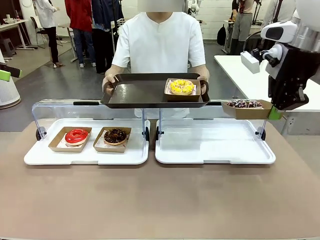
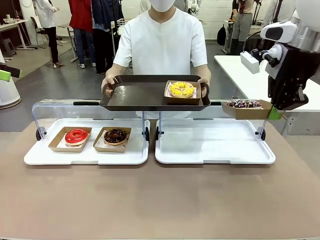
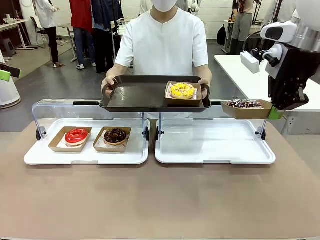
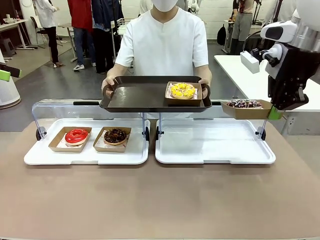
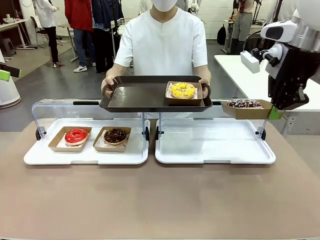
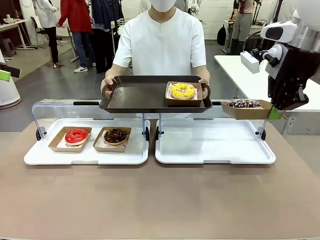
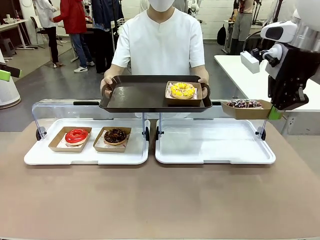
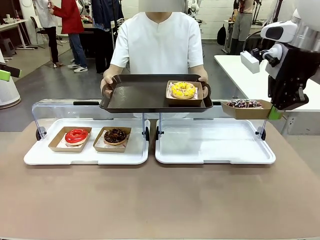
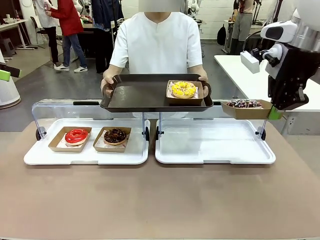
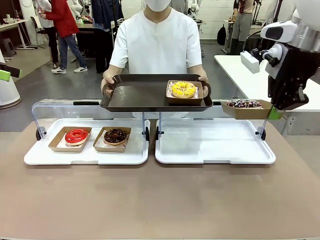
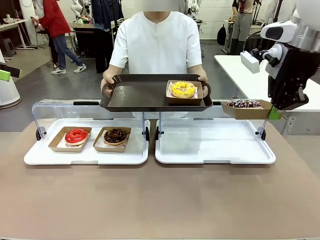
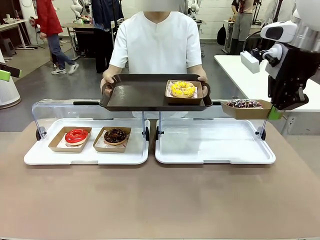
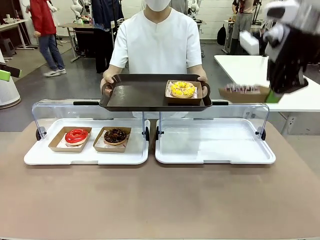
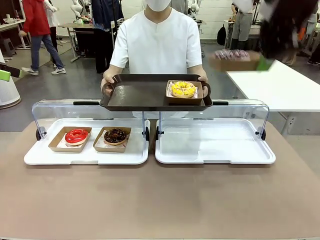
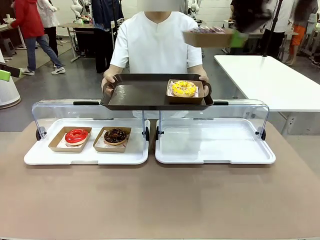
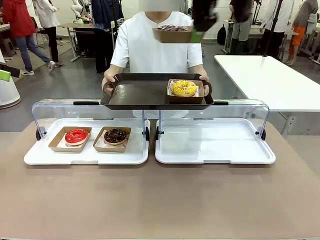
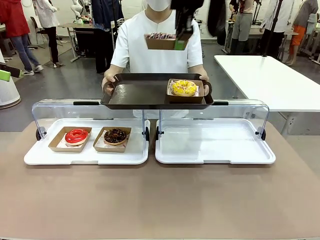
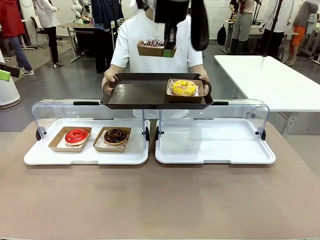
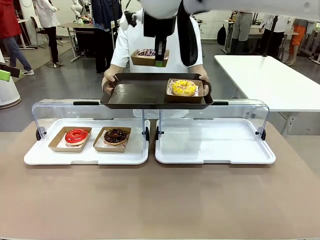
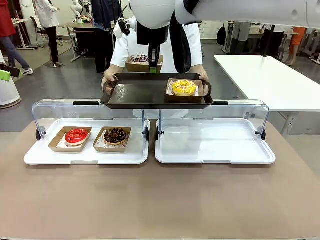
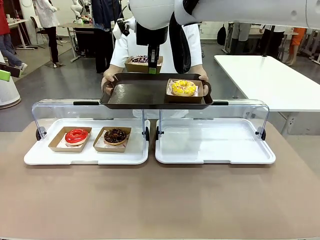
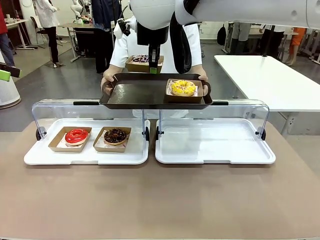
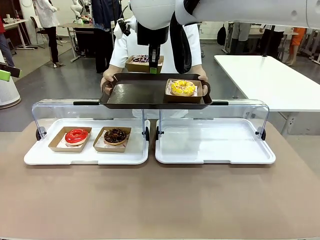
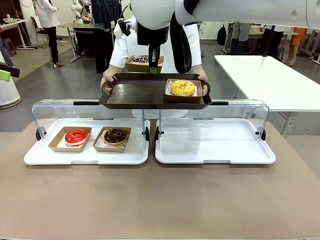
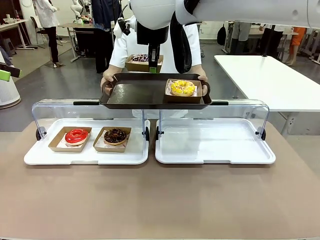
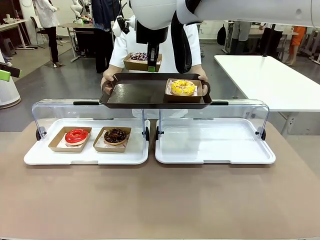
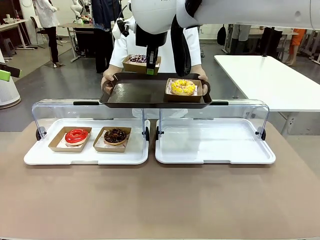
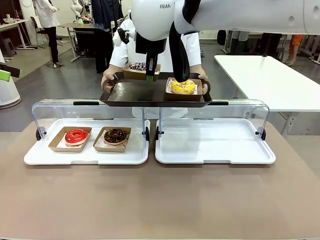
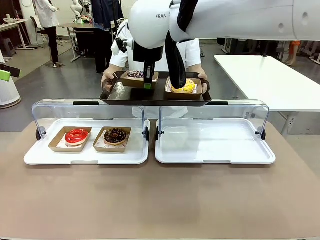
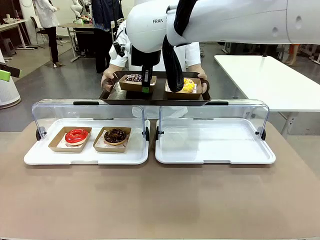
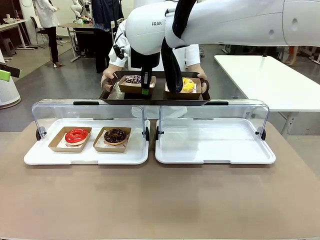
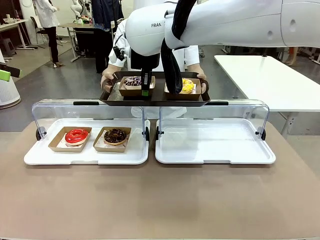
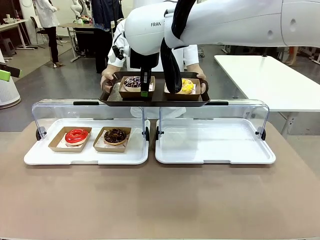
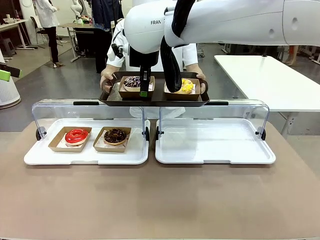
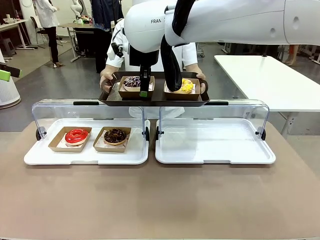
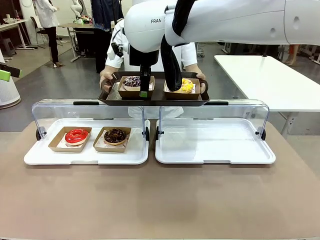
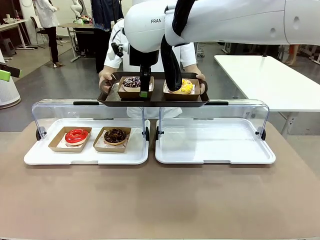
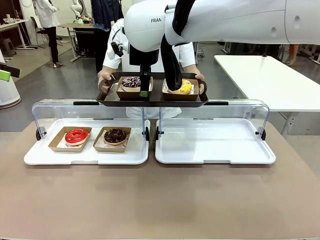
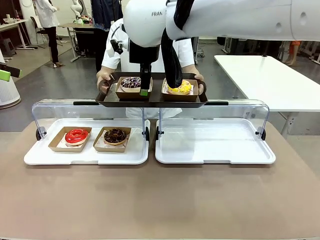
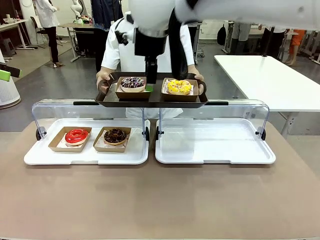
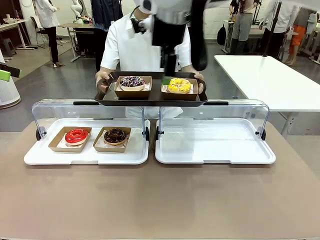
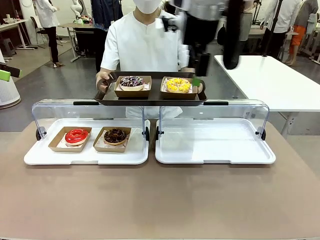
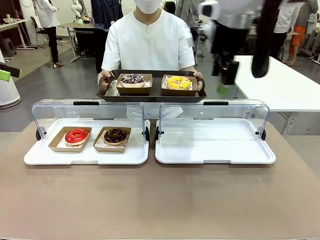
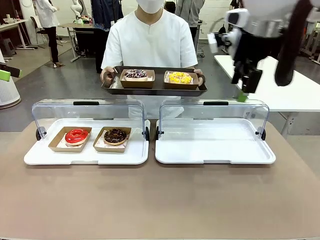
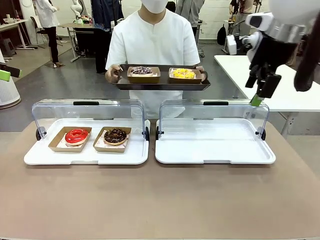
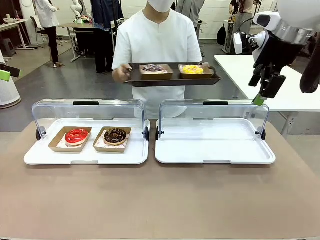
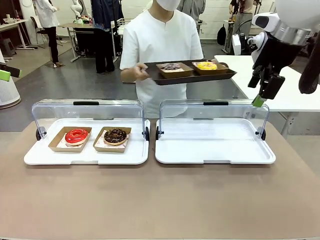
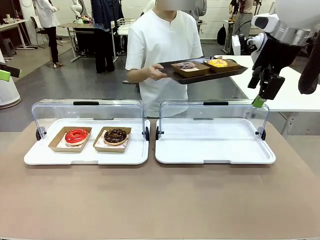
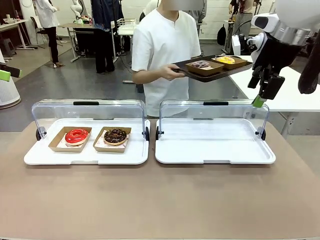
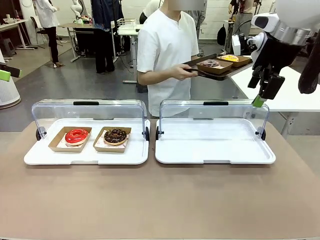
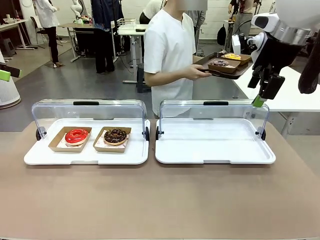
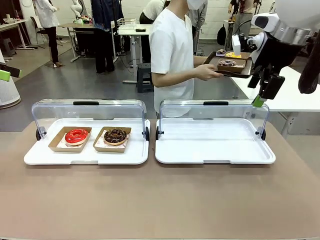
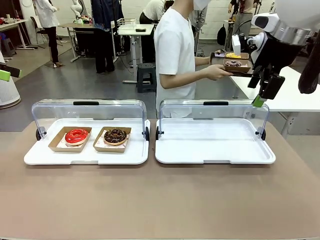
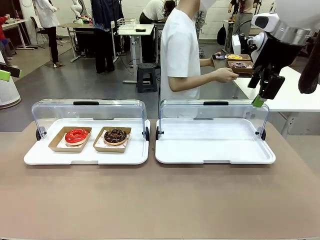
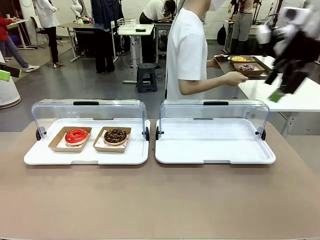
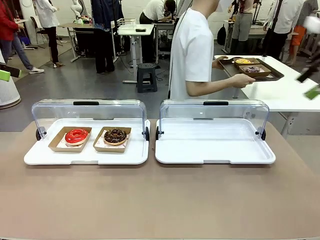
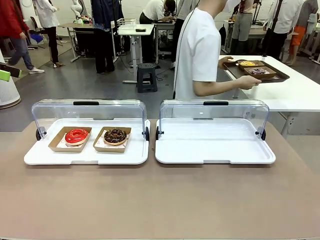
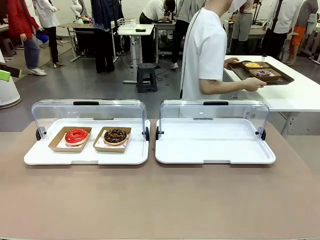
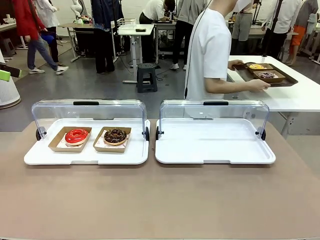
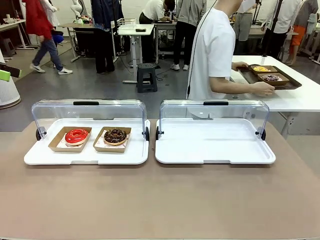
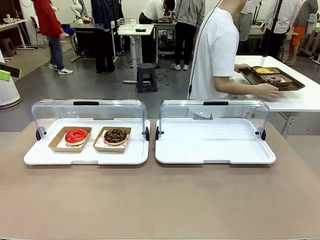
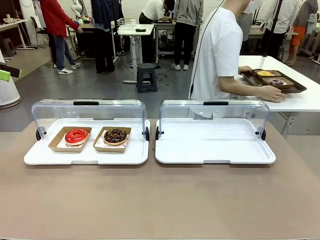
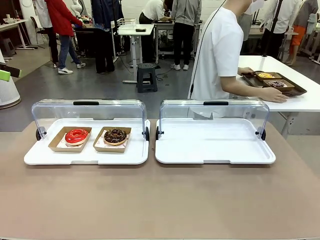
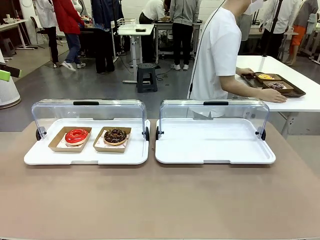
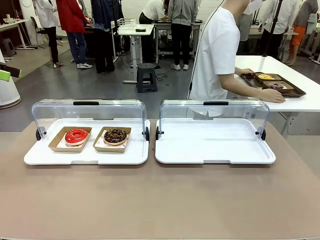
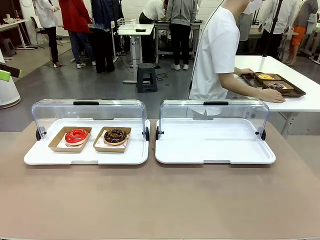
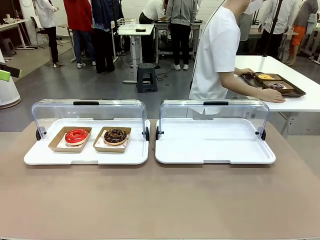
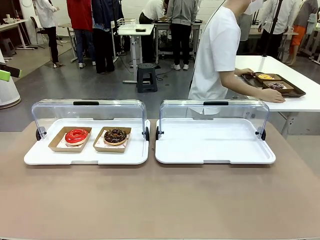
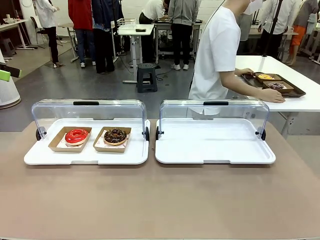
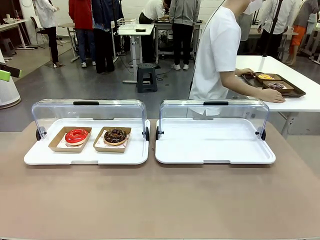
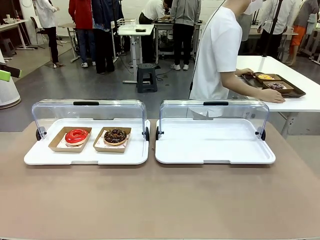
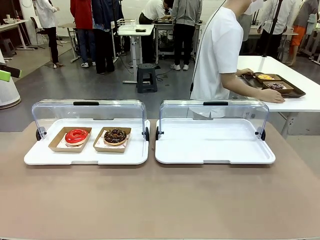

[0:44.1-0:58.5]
Task: Provide the desired donut to the person.
Robot: Place the picked Paper togo box onto the Handle tray extended by the person.
Person: Place the tray in the middle of the human table.

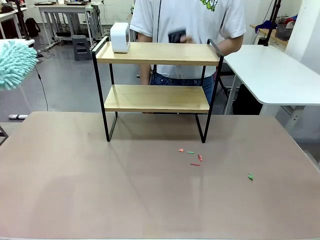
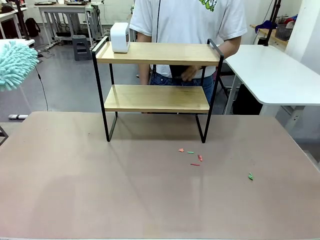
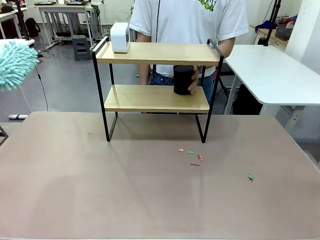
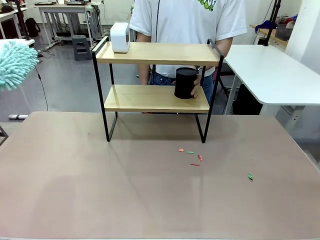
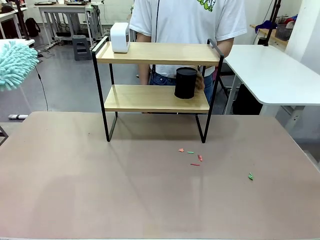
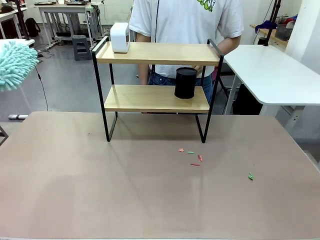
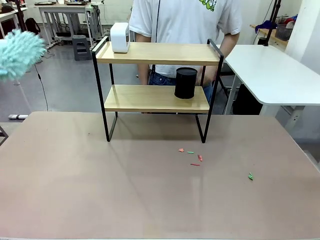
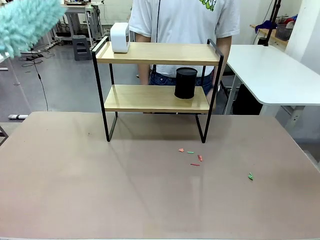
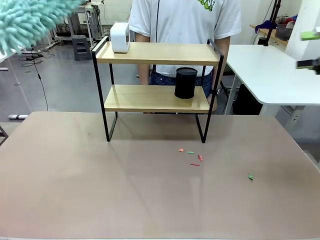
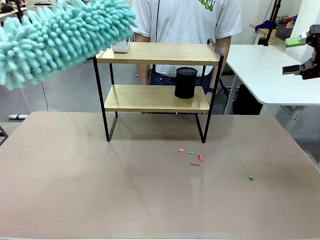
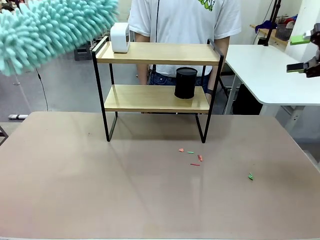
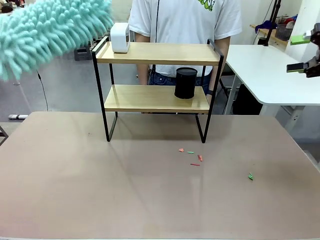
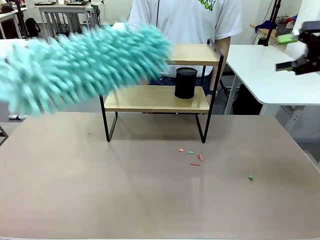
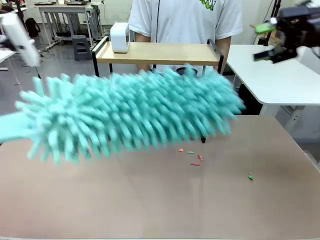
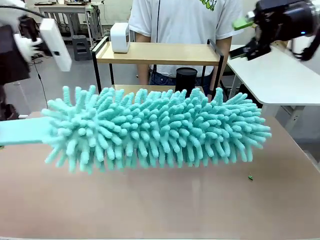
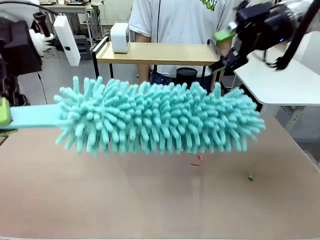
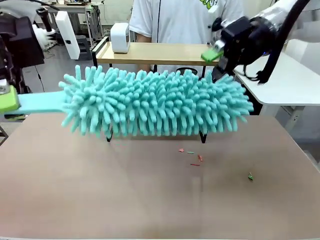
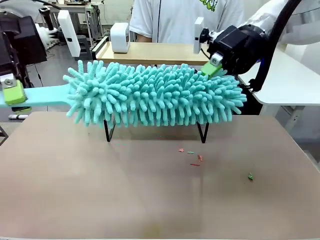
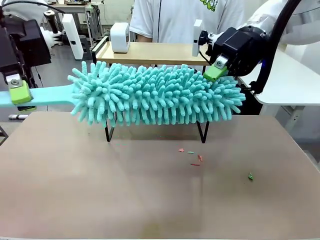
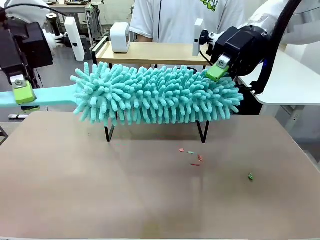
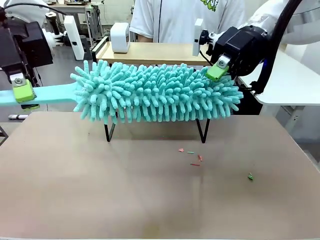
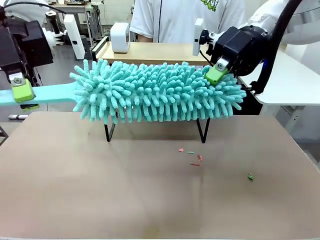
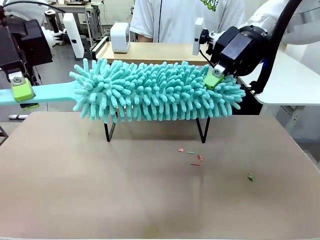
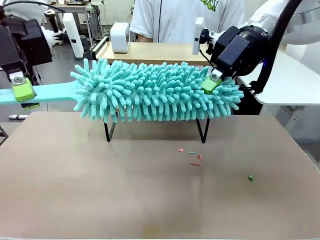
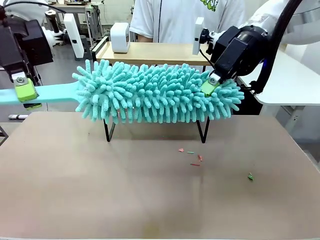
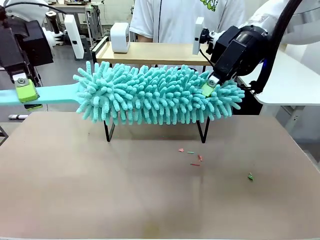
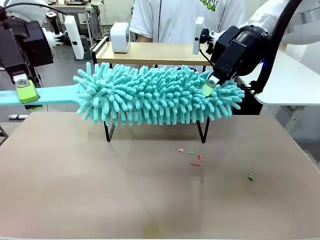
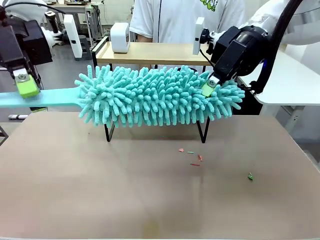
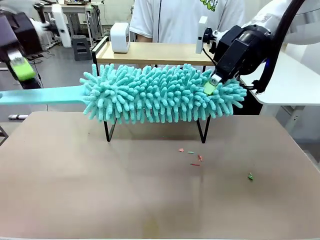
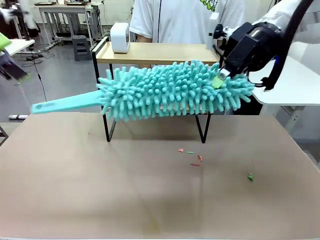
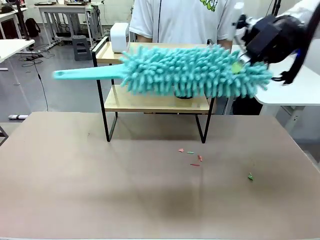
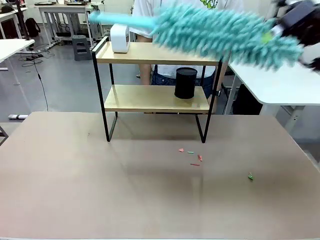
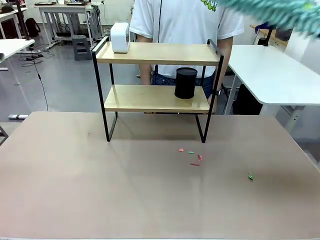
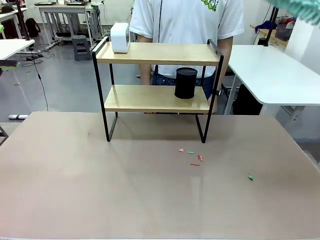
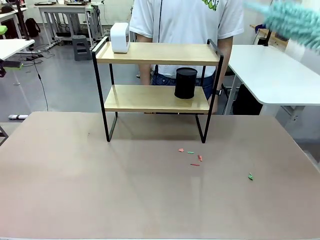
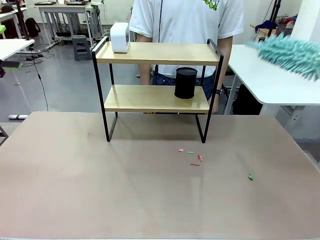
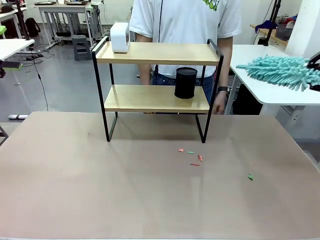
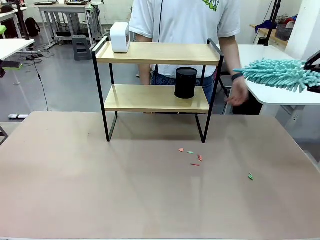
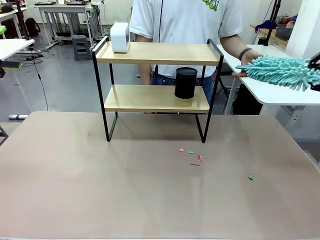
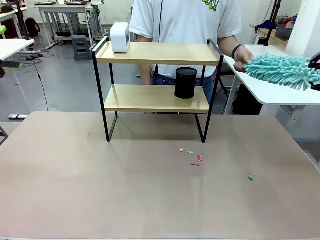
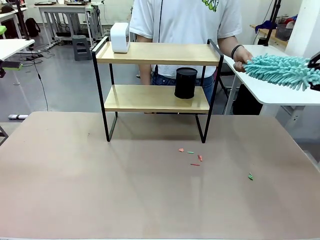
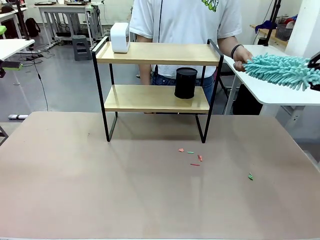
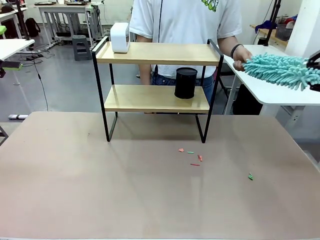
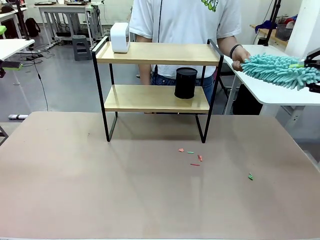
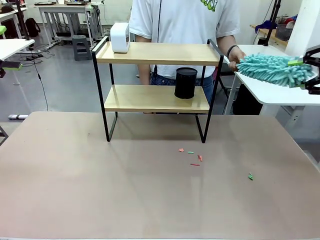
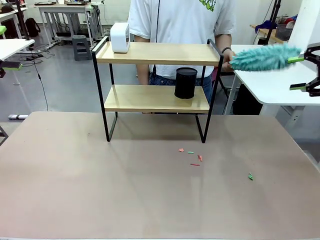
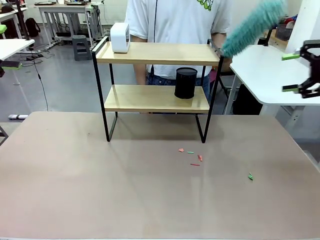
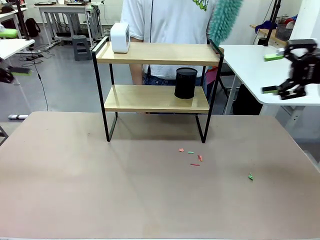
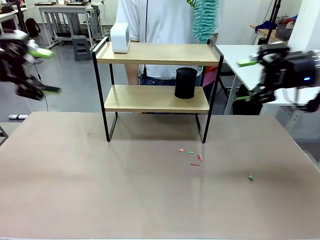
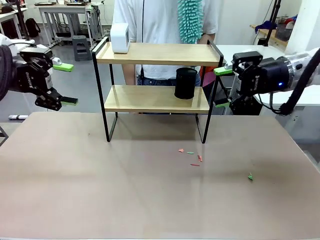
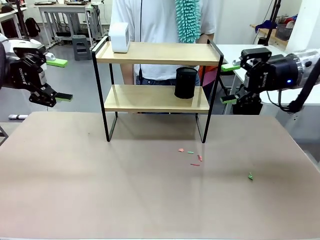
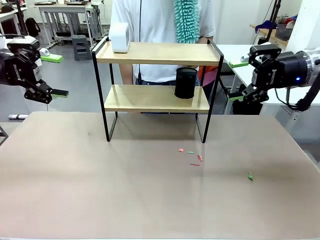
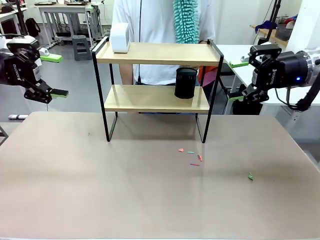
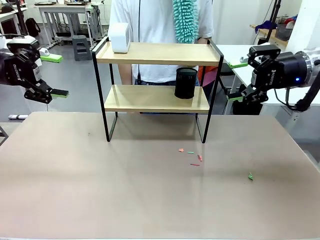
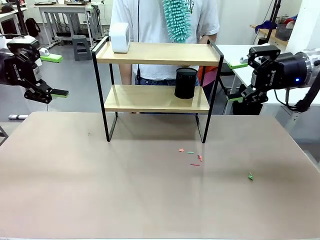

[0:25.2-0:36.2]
Task: Clean the shelf.
Robot: Hand the Duster back to the human.
Person: Receive the Duster from the robot.
